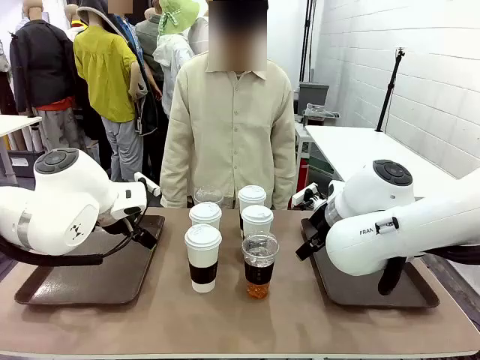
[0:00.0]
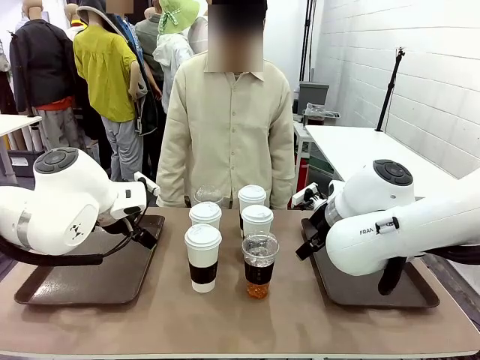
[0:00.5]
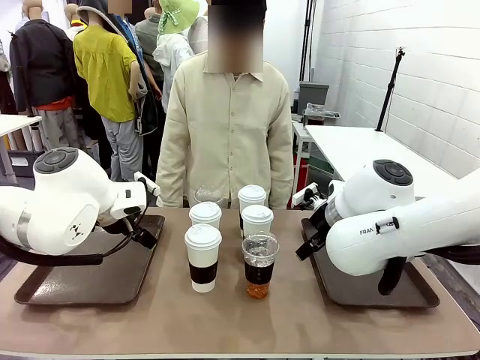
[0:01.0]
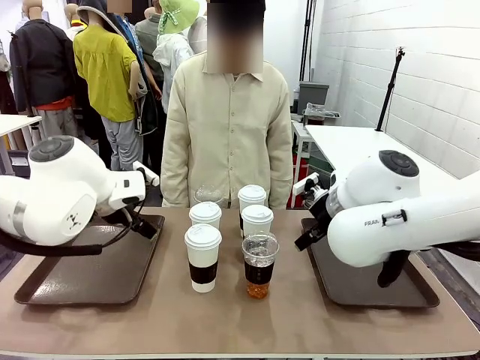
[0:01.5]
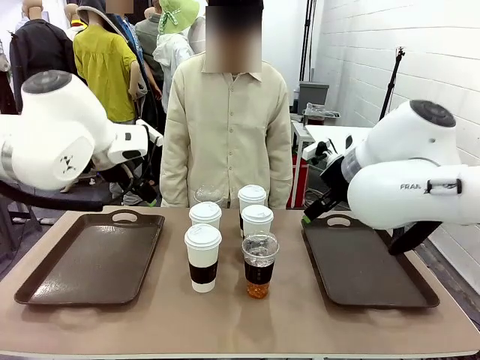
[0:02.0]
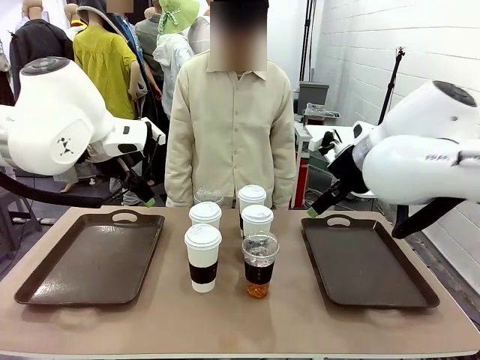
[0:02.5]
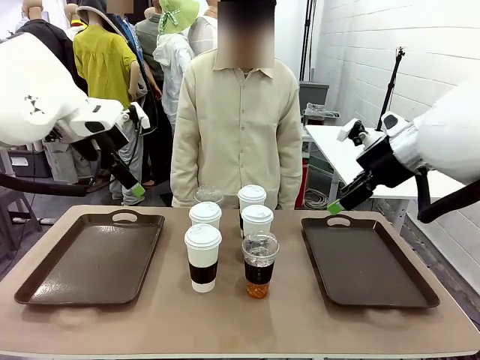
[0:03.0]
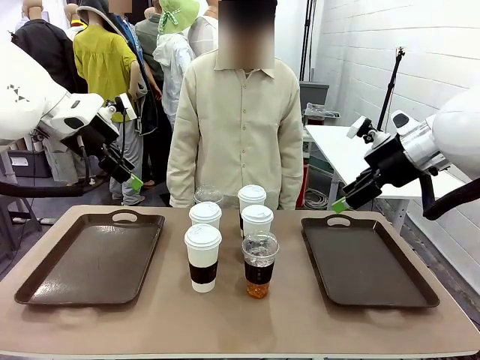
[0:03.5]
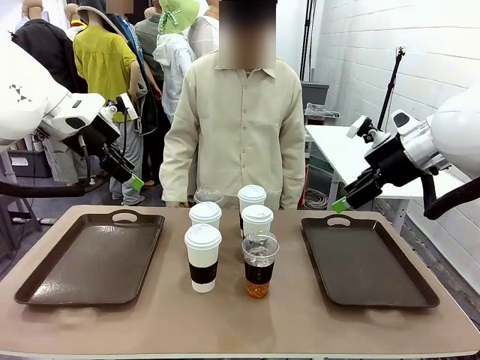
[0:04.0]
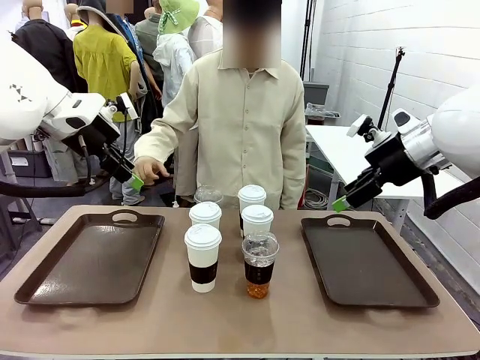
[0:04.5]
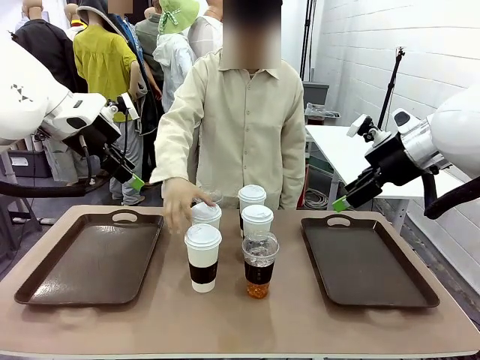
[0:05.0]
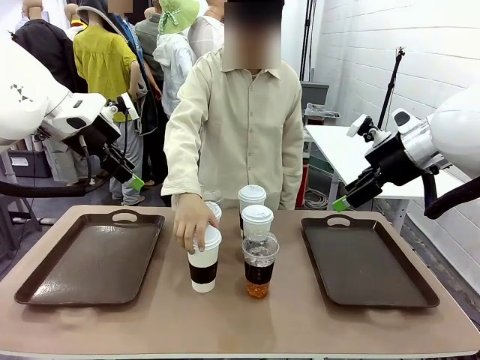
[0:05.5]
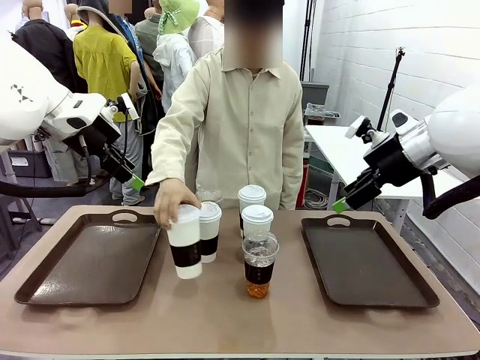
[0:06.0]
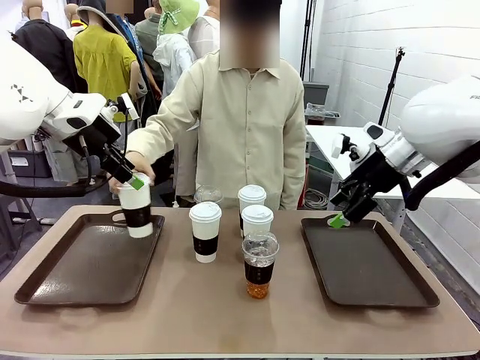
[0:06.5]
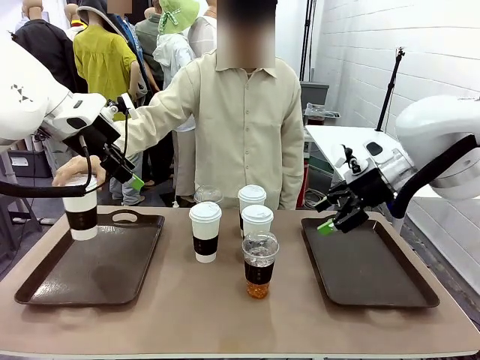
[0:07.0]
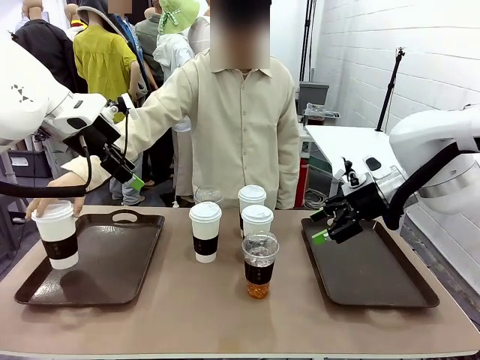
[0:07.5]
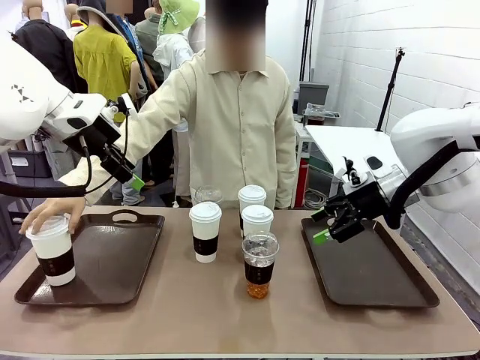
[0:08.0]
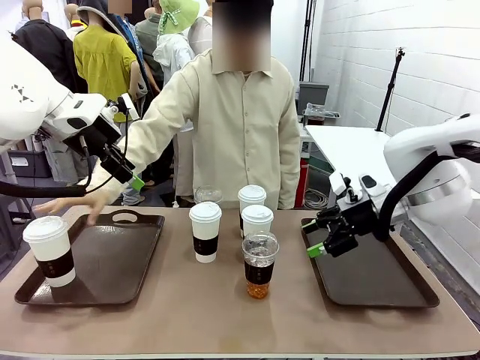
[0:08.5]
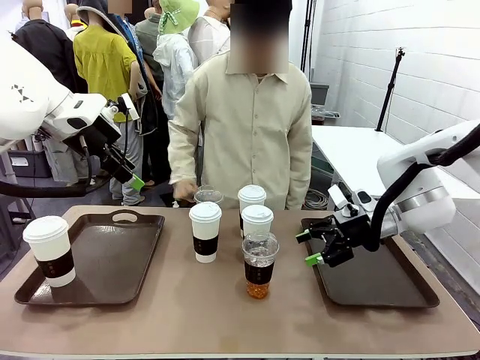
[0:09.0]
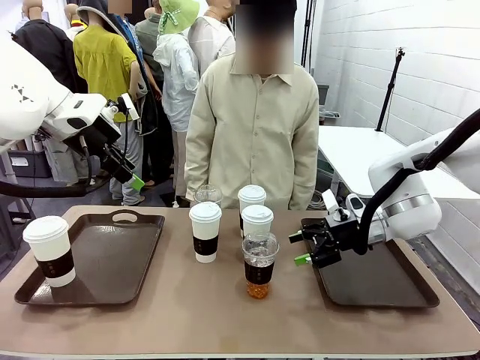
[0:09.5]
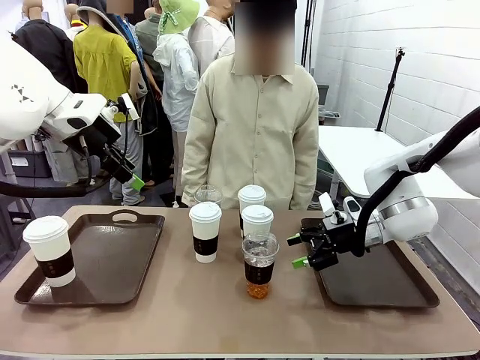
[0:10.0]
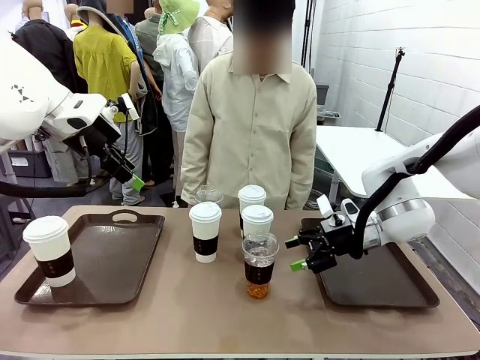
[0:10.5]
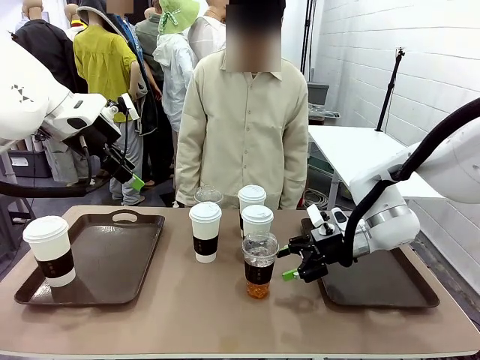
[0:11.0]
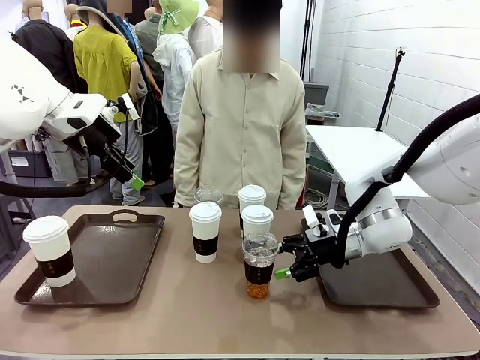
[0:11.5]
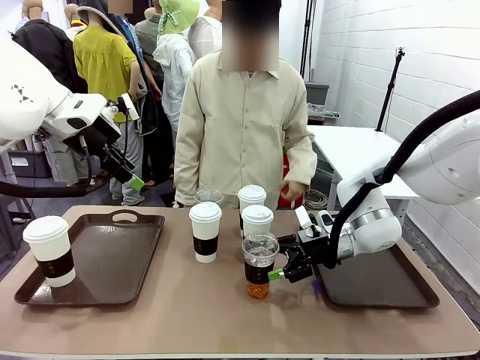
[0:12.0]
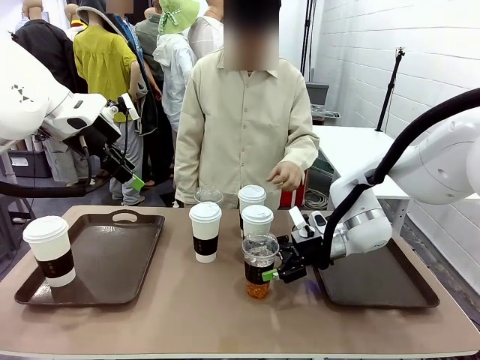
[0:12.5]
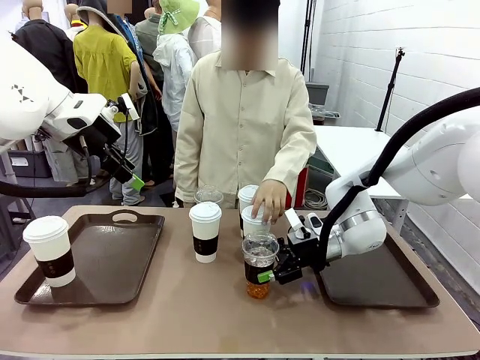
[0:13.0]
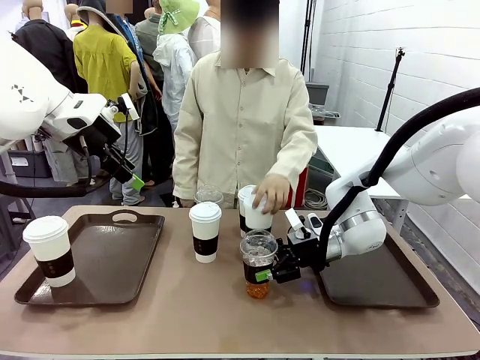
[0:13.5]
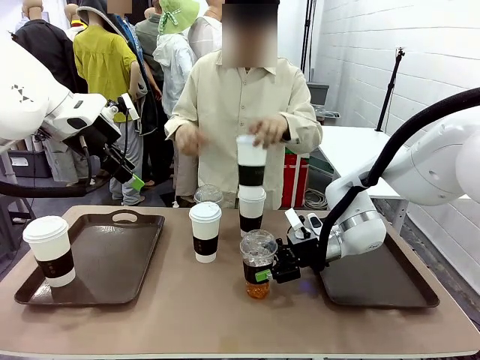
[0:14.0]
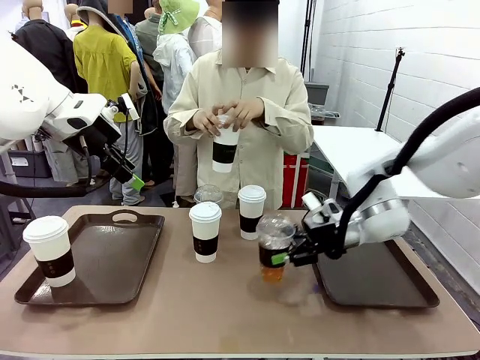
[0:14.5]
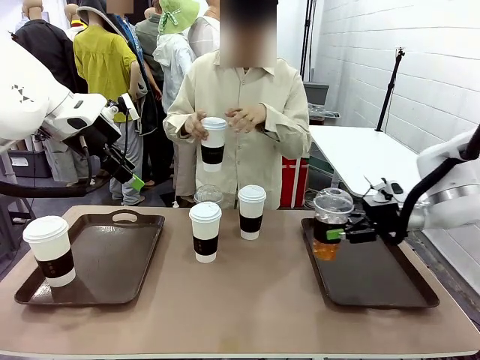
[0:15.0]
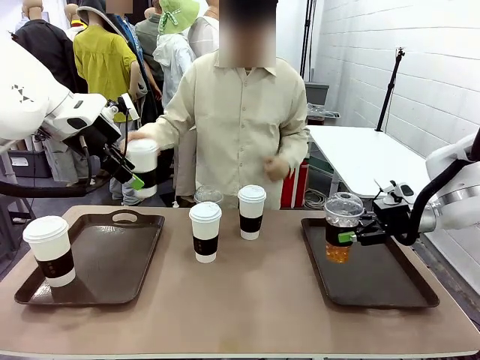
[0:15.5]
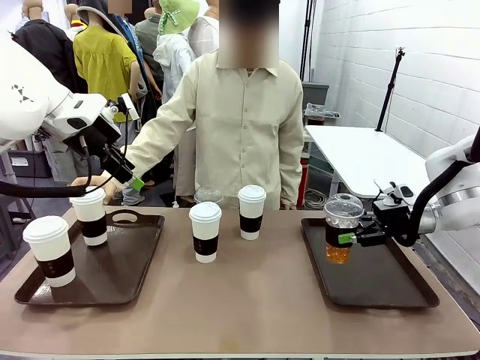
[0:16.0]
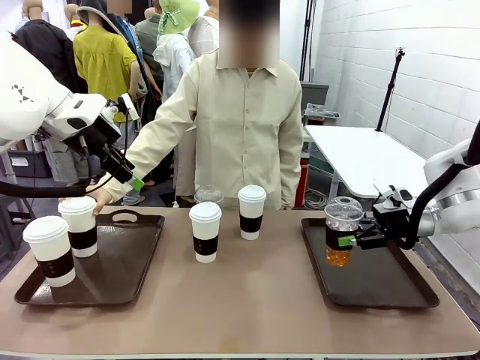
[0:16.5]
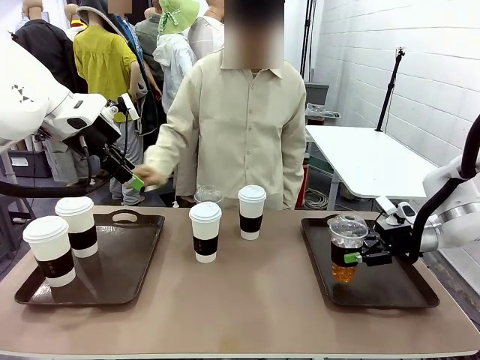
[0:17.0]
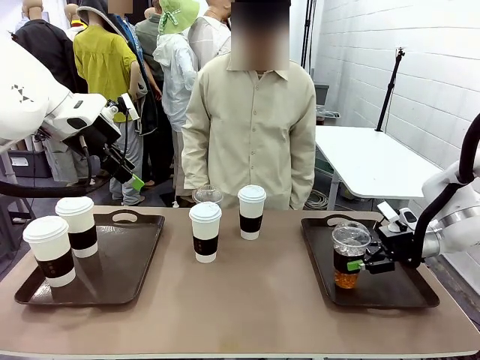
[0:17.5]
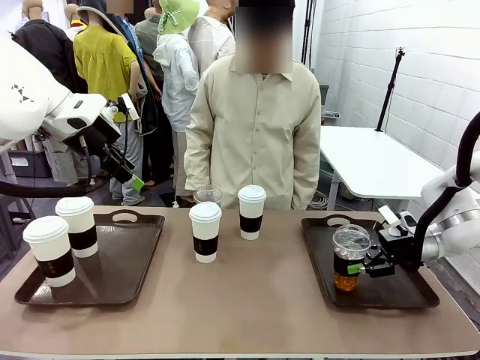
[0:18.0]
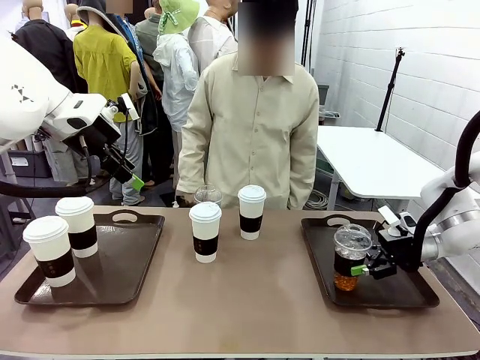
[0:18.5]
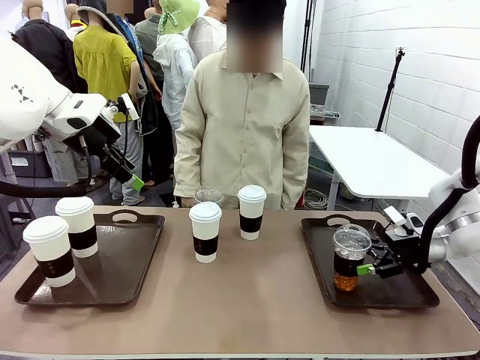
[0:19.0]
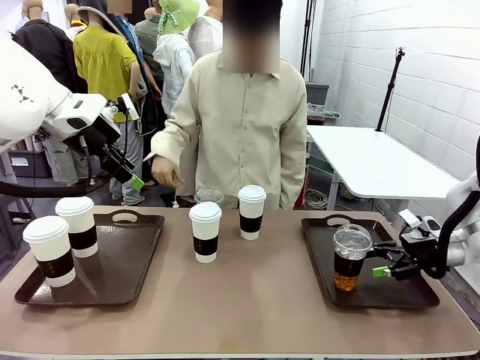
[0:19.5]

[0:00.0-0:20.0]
Task: Distribute the coffee onto the tray.
Robot: Pick up one iced Americano and place it on the right Handle tray.
Person: Pick up a cup of hot Americano and place it on the right tray.
